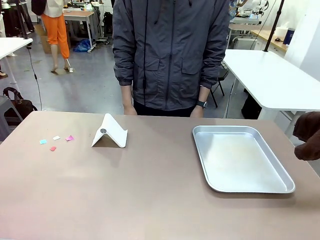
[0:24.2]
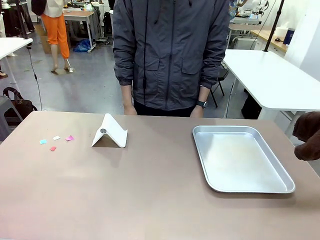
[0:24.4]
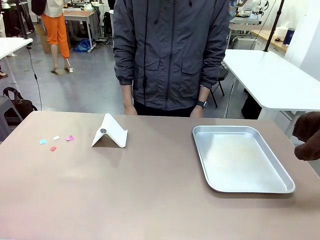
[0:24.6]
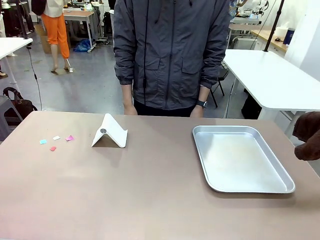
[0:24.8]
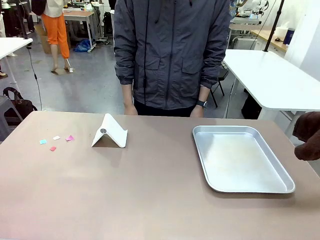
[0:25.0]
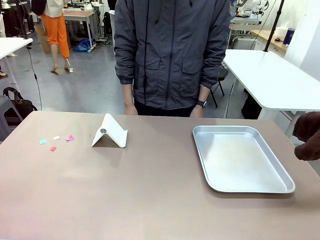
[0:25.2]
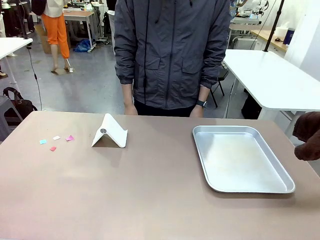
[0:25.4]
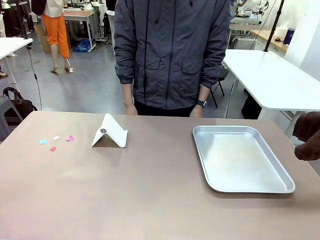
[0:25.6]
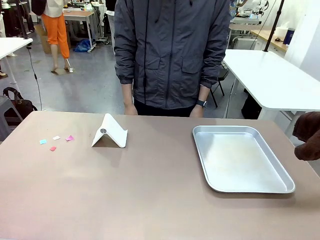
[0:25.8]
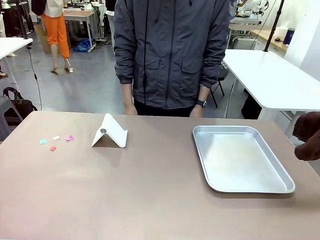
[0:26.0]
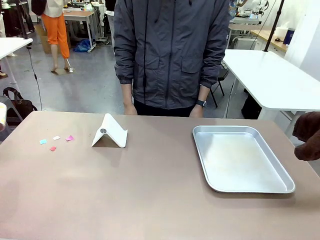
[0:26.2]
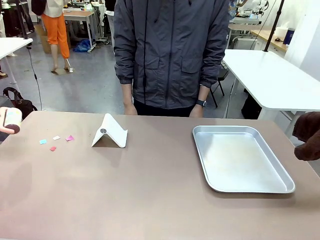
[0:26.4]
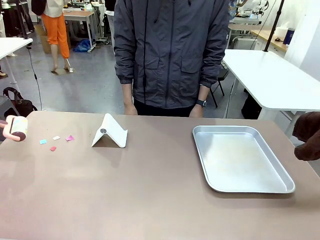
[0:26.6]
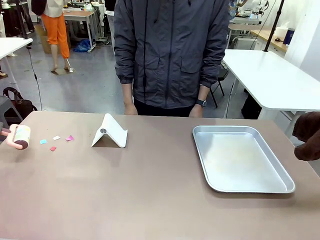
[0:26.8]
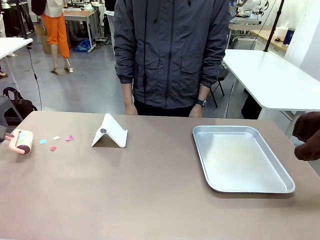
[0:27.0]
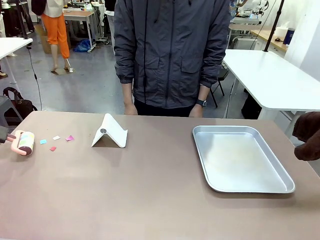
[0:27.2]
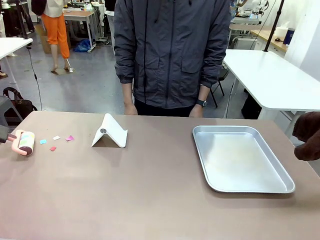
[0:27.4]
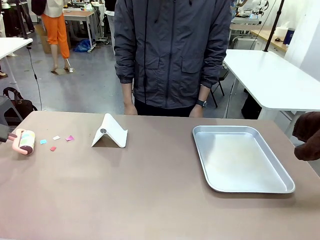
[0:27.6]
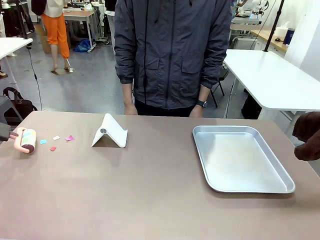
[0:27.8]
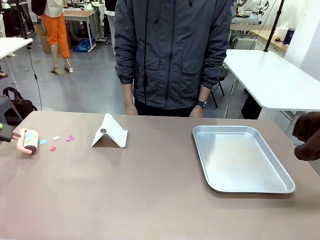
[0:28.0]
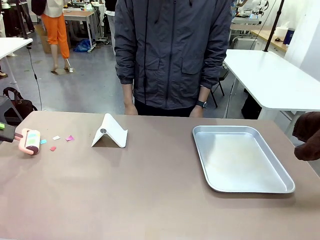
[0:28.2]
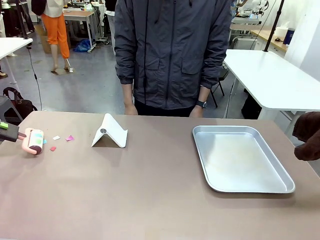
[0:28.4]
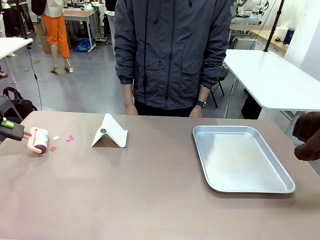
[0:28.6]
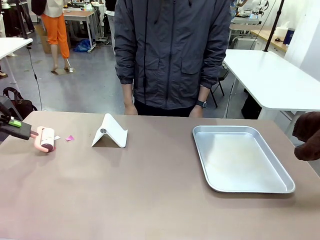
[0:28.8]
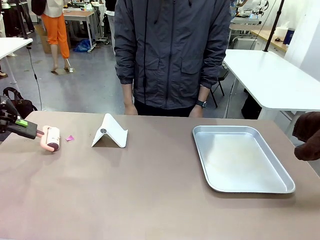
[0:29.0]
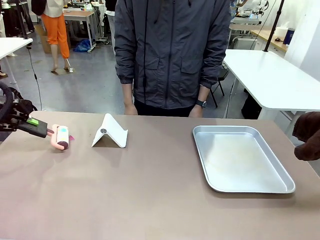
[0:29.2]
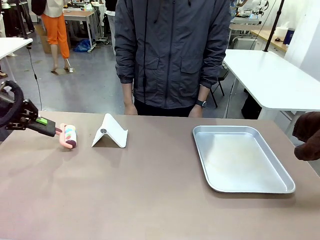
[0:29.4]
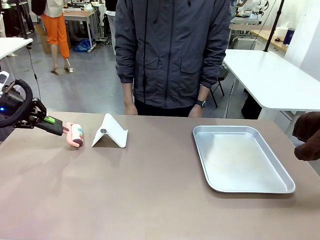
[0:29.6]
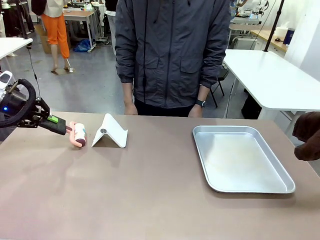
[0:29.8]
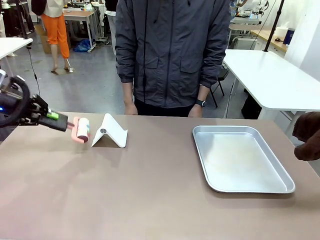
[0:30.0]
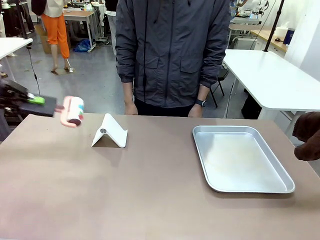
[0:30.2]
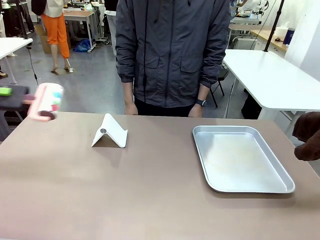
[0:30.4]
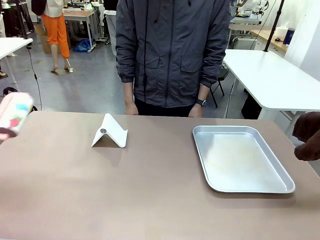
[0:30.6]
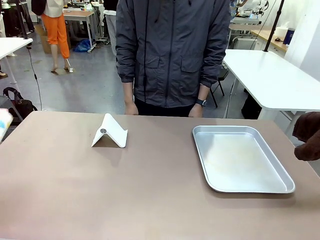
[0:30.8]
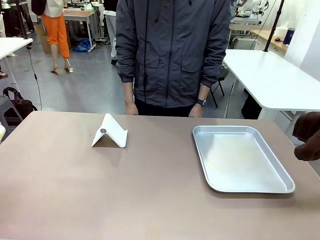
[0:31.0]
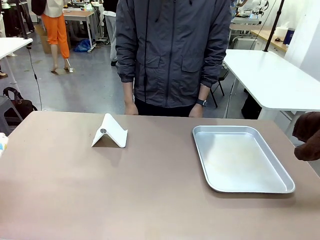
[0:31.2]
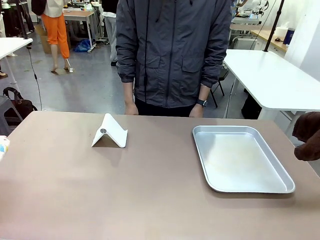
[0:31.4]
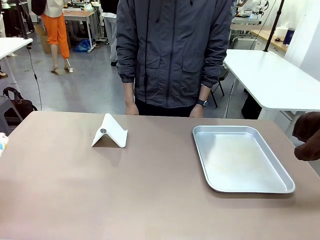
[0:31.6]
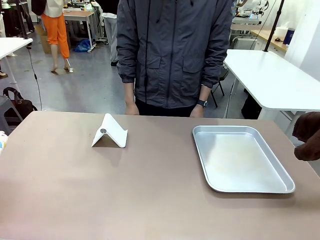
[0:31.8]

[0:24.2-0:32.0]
Task: Clean the surface of the table.
Robot: Clean the area not pointed to by the person.

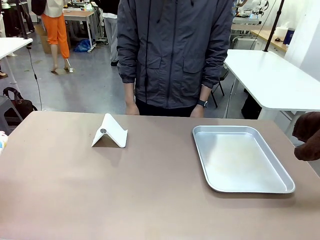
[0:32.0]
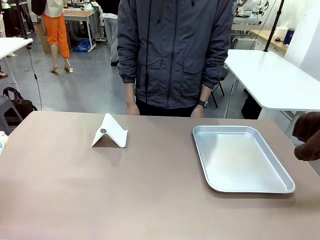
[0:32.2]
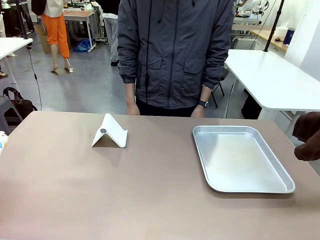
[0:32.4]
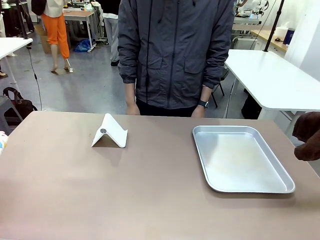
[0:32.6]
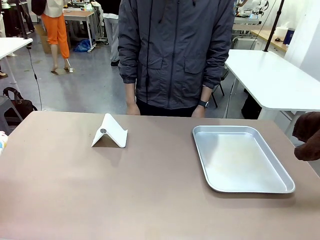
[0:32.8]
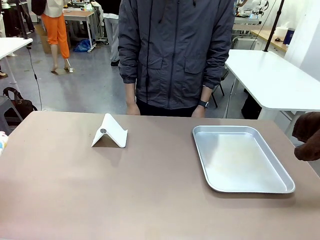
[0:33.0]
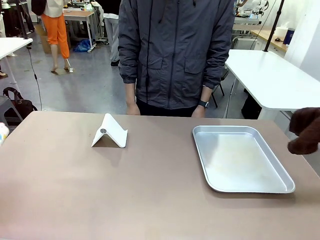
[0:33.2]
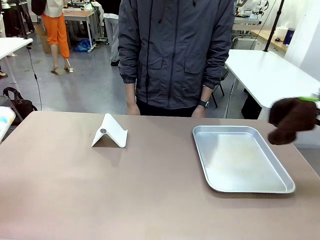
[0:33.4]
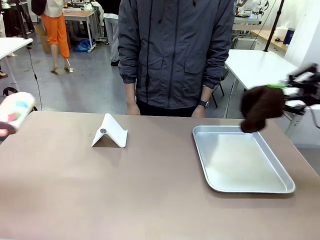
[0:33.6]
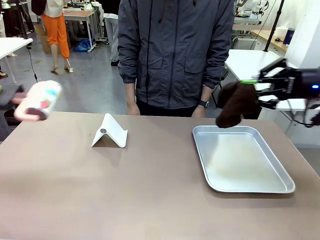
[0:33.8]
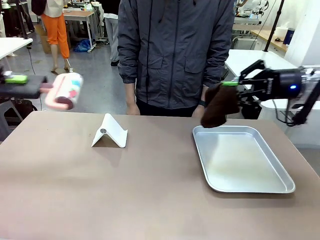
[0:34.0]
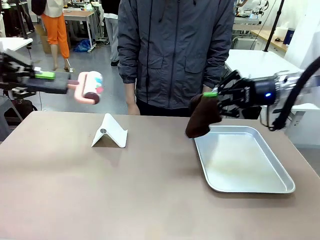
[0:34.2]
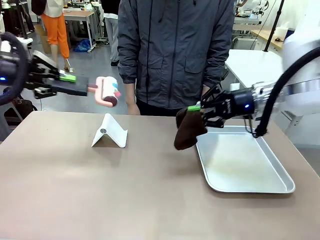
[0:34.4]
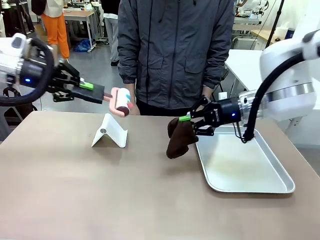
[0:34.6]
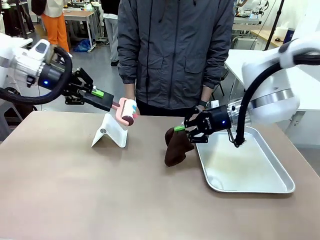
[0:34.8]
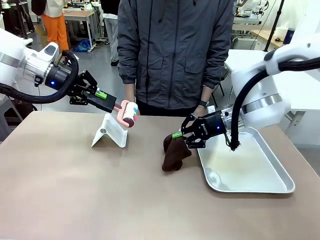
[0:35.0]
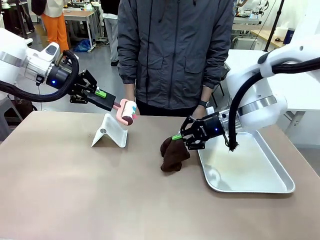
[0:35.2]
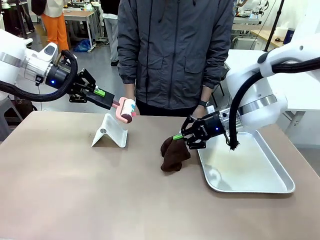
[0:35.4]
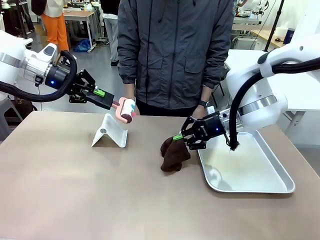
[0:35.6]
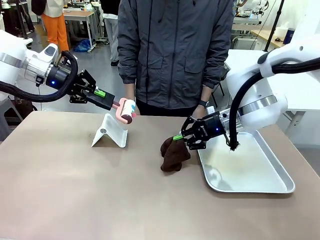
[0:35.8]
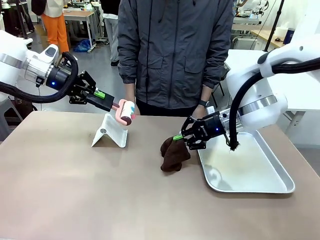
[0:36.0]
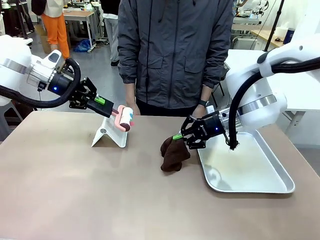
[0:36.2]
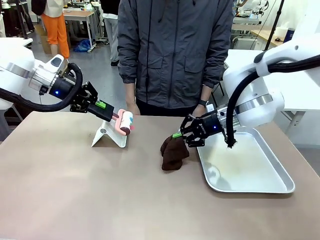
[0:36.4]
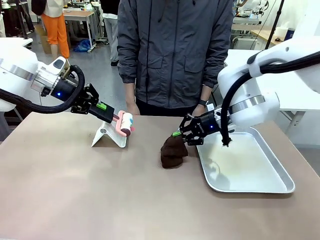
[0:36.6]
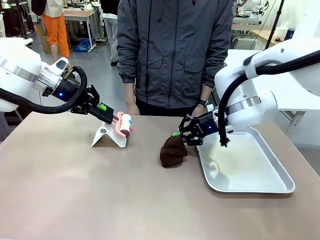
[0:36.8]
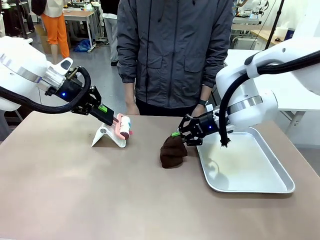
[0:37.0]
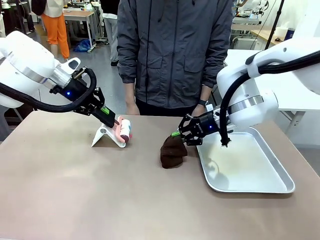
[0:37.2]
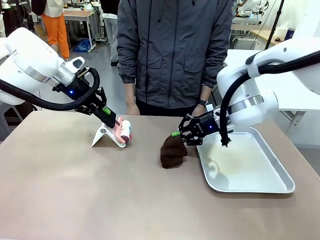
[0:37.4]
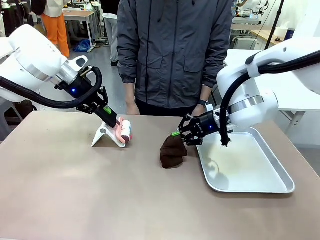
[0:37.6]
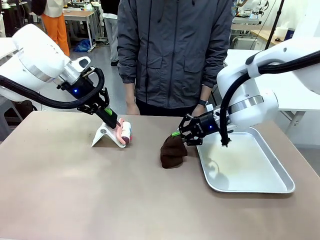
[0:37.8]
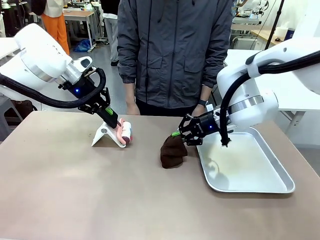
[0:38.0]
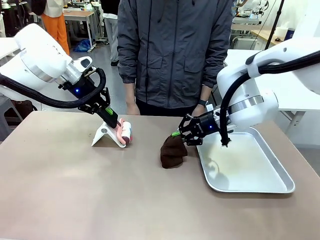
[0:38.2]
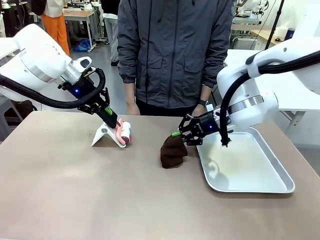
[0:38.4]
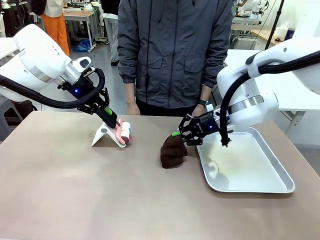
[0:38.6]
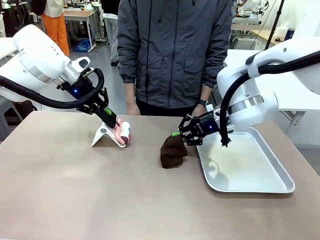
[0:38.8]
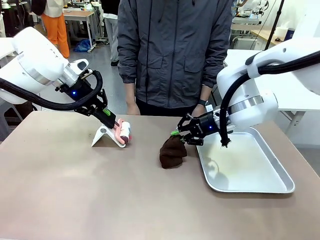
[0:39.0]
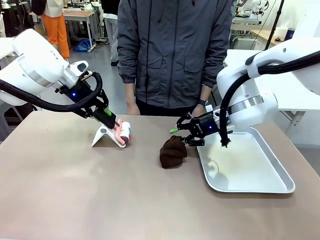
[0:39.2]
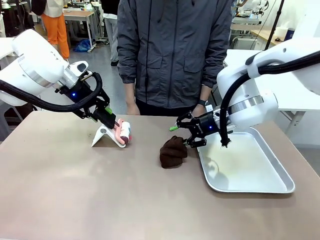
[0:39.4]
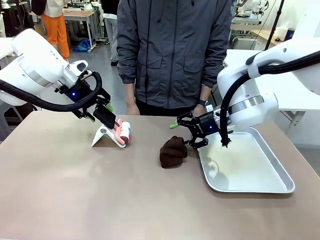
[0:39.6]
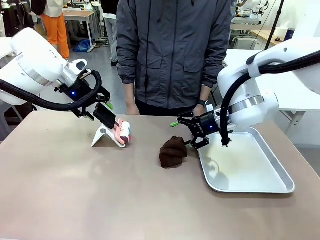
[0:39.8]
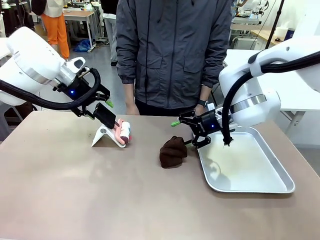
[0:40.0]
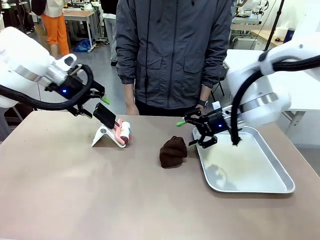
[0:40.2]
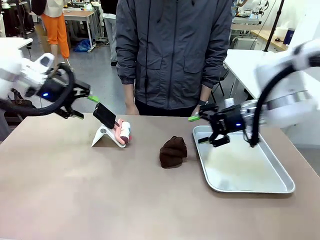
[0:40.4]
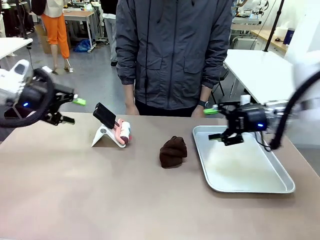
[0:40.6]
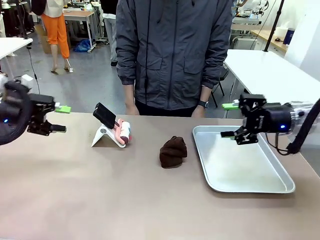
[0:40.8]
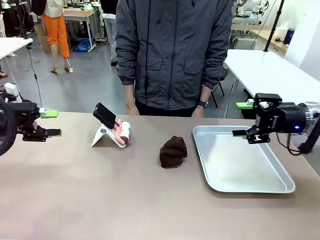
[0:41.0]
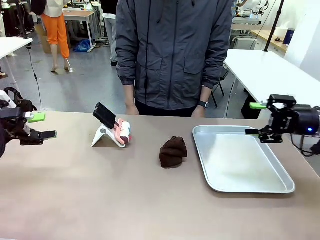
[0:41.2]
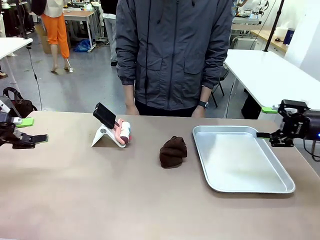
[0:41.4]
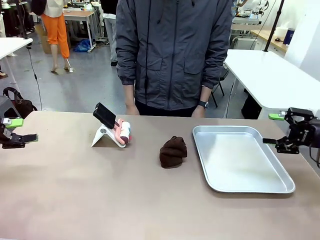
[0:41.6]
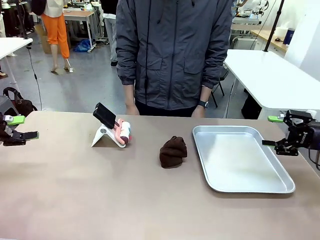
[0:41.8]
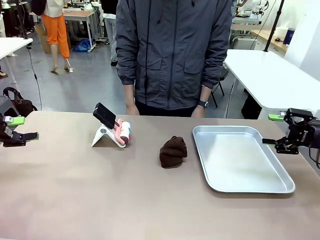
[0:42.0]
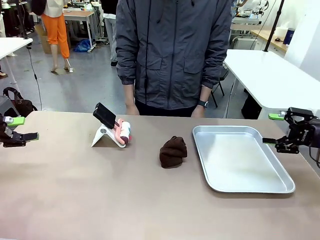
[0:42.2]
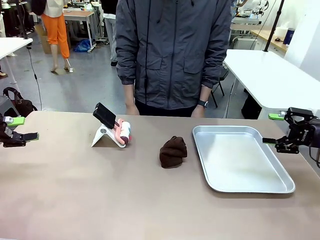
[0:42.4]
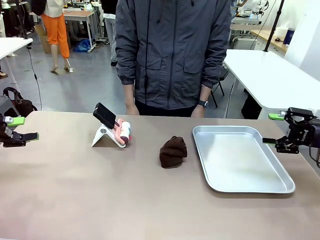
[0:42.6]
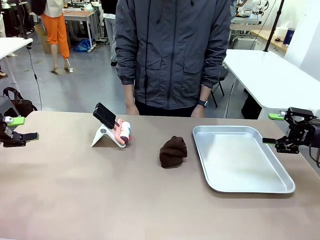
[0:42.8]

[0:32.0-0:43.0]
Robot: Return the Lint Roller and towel to their original positions.
